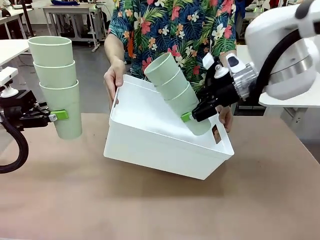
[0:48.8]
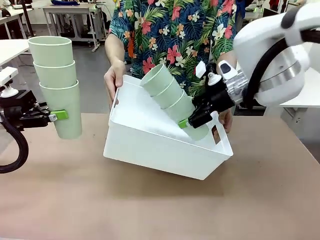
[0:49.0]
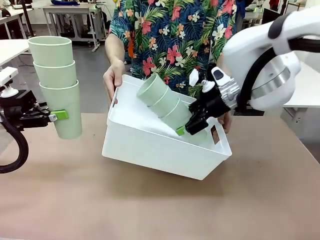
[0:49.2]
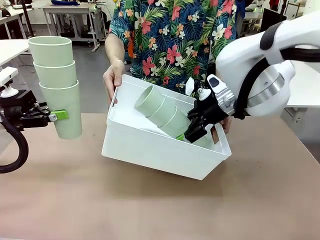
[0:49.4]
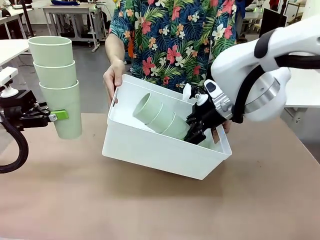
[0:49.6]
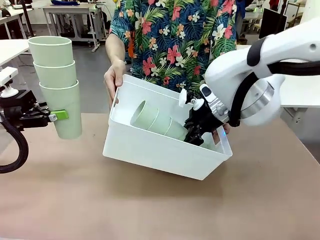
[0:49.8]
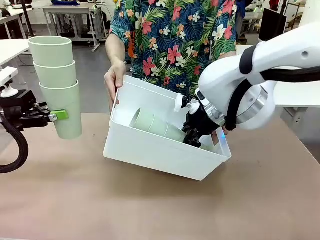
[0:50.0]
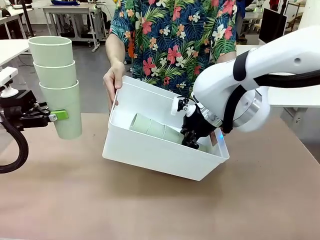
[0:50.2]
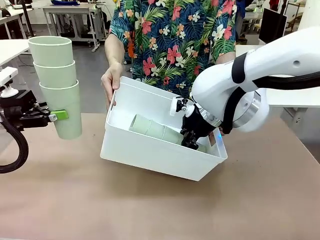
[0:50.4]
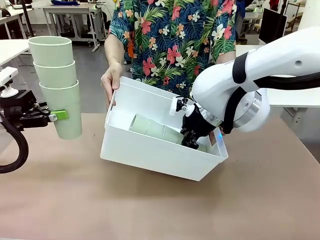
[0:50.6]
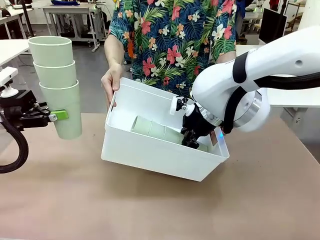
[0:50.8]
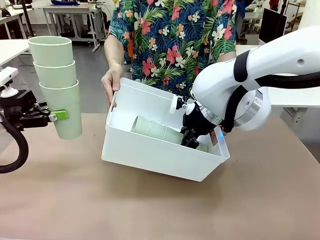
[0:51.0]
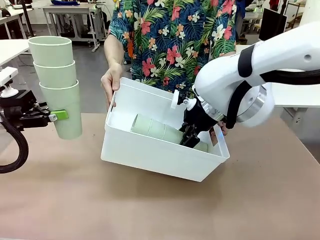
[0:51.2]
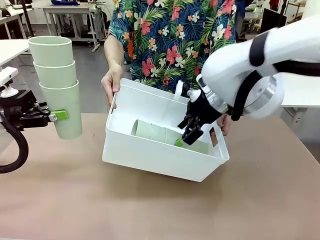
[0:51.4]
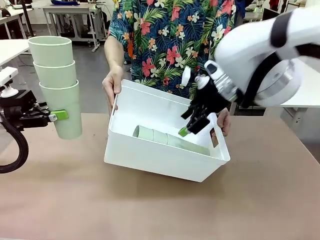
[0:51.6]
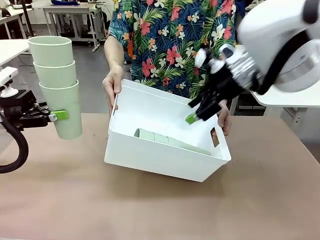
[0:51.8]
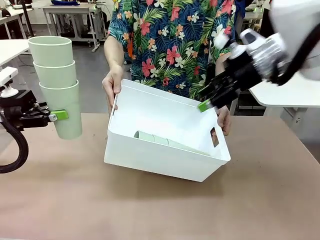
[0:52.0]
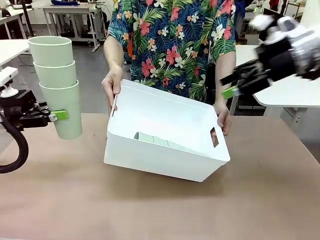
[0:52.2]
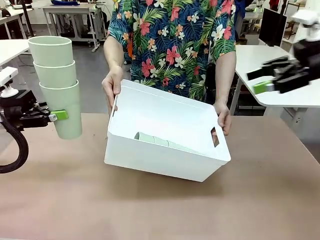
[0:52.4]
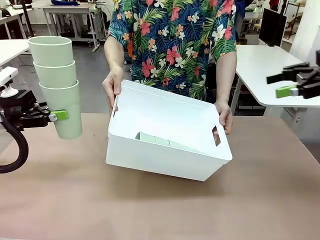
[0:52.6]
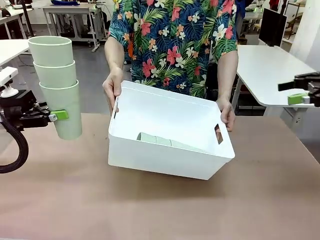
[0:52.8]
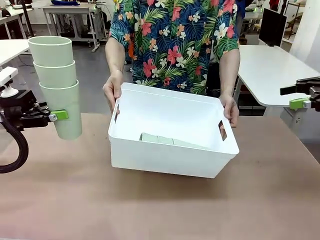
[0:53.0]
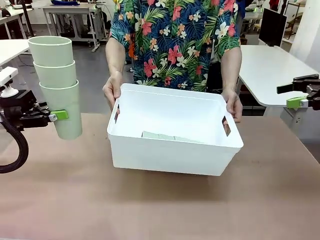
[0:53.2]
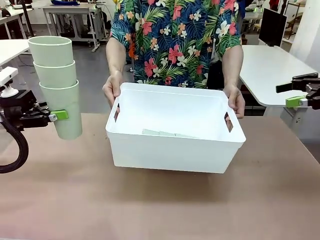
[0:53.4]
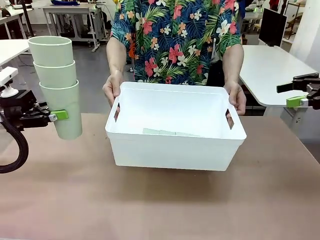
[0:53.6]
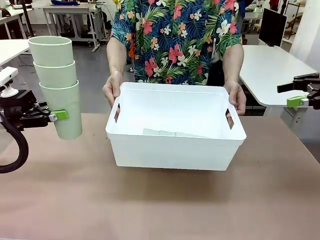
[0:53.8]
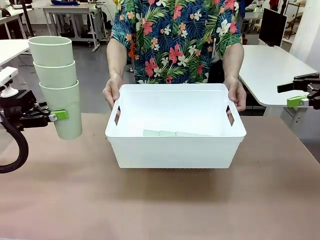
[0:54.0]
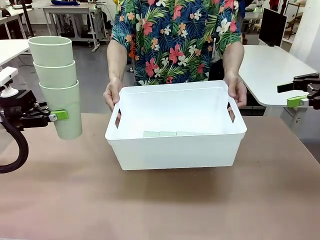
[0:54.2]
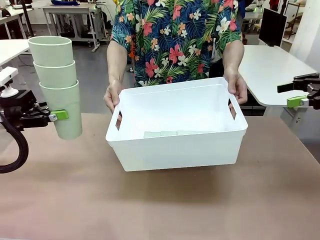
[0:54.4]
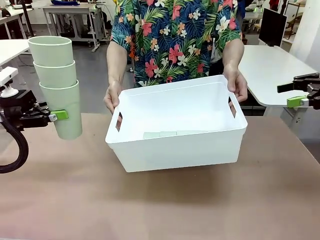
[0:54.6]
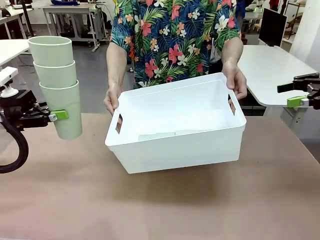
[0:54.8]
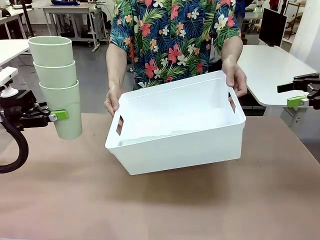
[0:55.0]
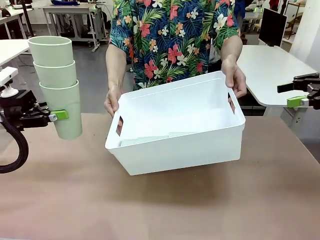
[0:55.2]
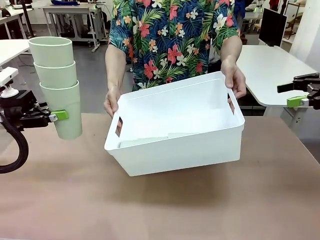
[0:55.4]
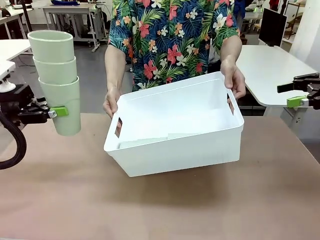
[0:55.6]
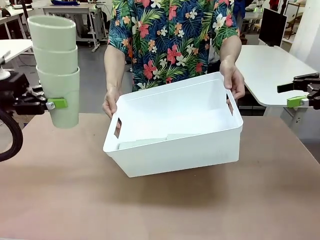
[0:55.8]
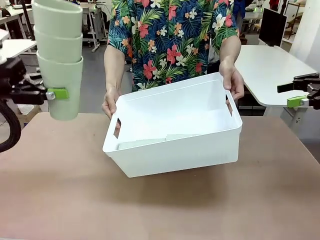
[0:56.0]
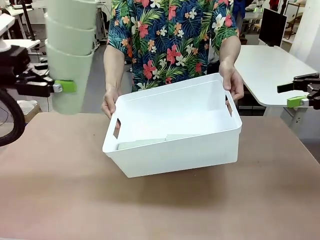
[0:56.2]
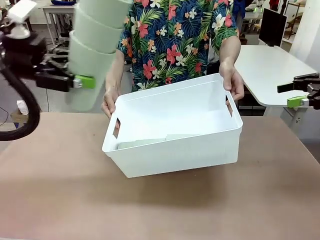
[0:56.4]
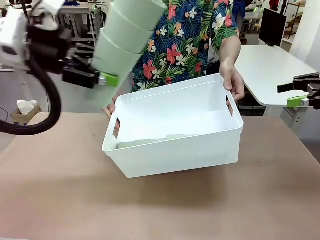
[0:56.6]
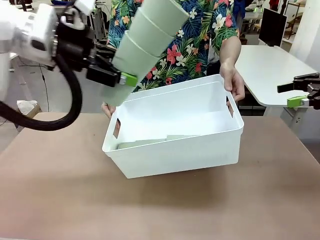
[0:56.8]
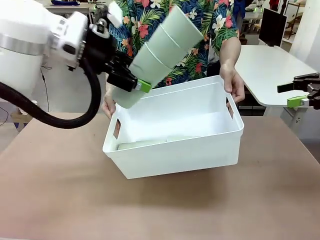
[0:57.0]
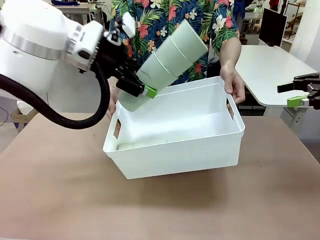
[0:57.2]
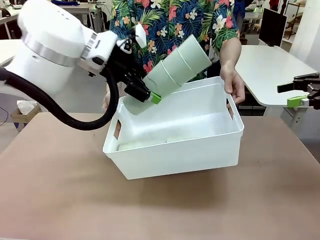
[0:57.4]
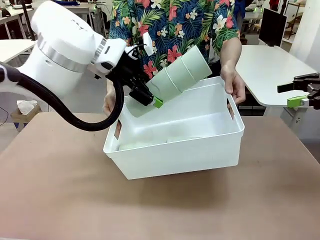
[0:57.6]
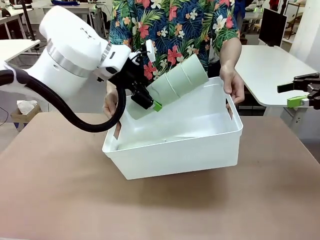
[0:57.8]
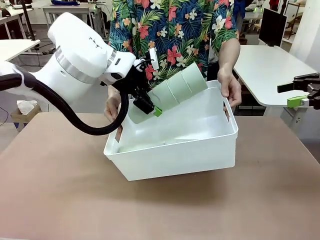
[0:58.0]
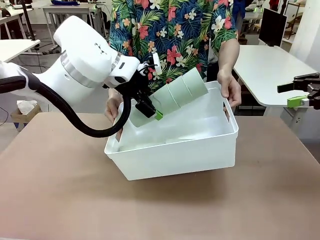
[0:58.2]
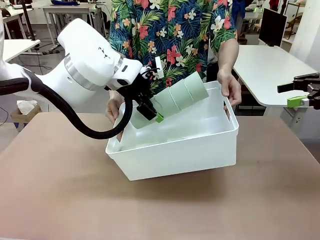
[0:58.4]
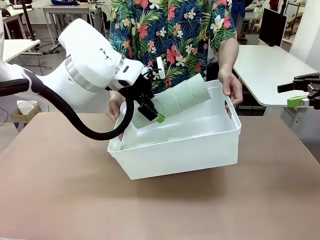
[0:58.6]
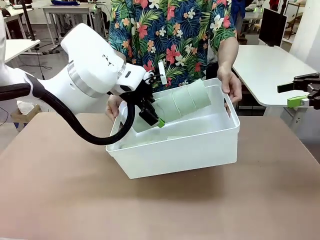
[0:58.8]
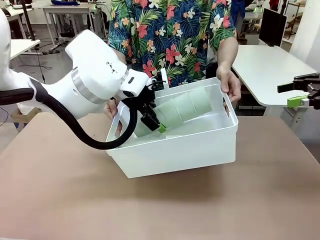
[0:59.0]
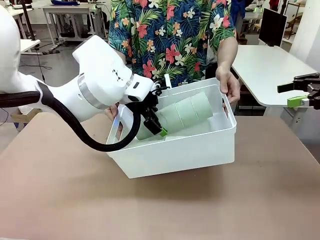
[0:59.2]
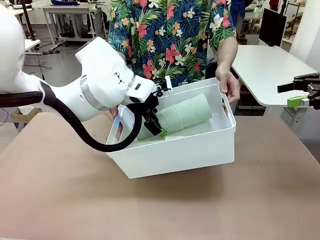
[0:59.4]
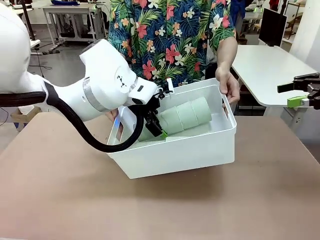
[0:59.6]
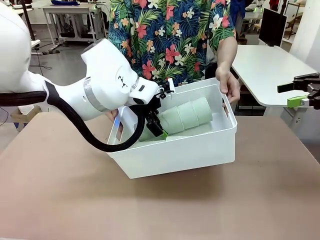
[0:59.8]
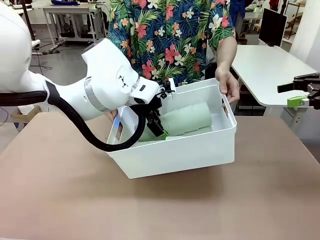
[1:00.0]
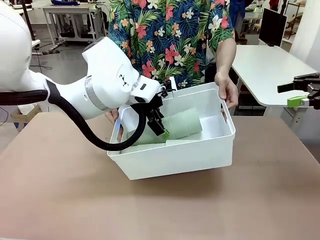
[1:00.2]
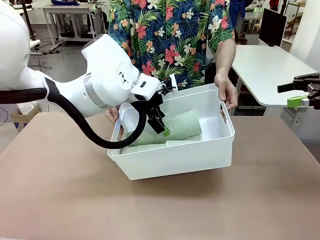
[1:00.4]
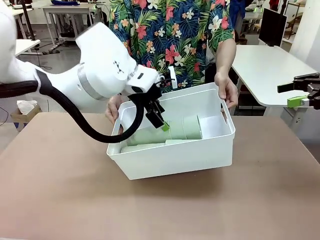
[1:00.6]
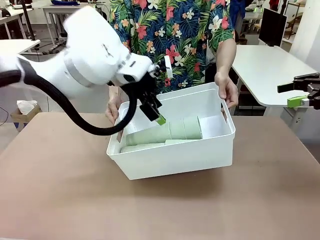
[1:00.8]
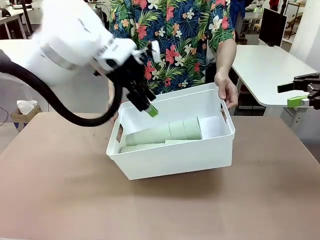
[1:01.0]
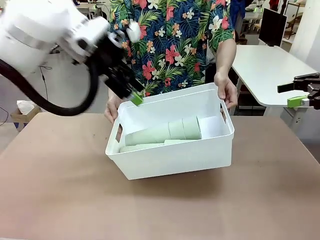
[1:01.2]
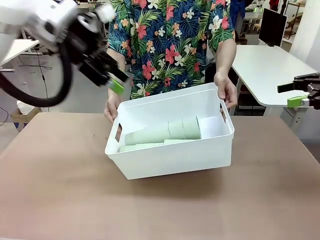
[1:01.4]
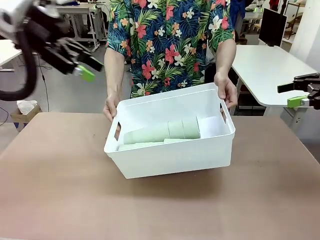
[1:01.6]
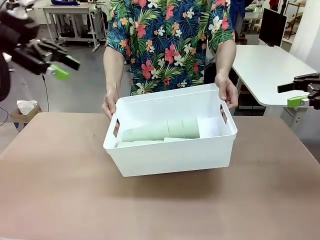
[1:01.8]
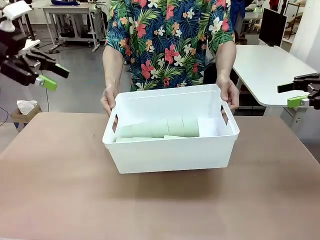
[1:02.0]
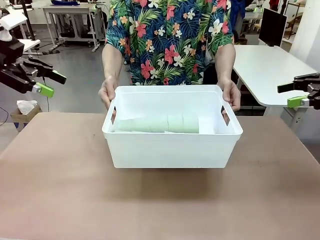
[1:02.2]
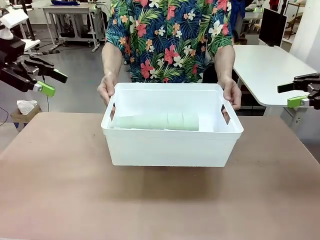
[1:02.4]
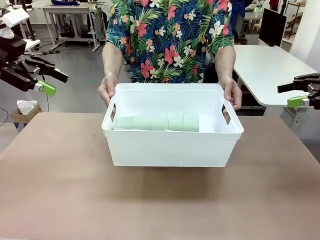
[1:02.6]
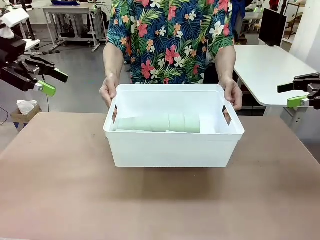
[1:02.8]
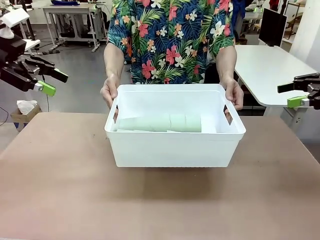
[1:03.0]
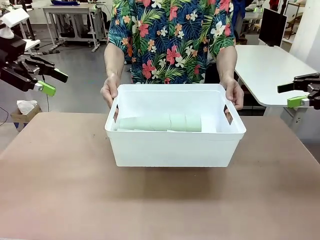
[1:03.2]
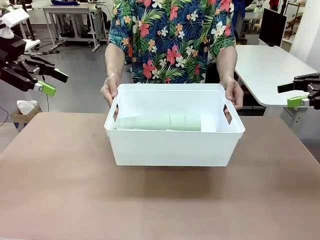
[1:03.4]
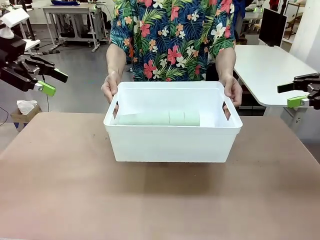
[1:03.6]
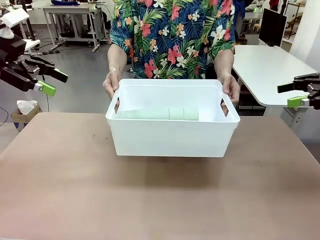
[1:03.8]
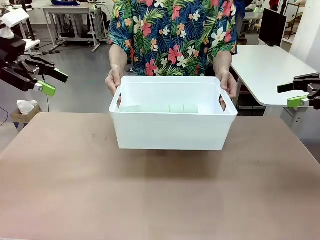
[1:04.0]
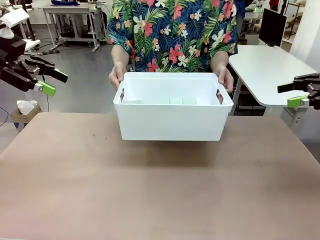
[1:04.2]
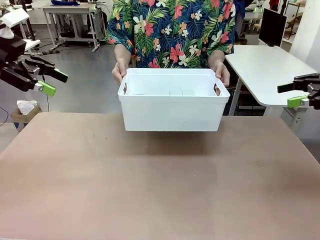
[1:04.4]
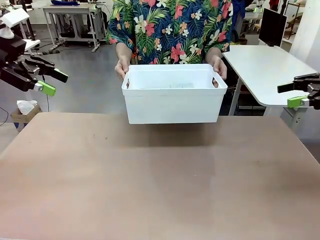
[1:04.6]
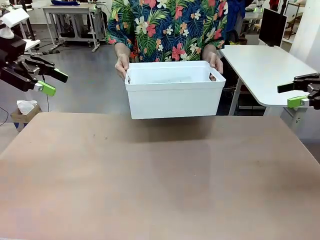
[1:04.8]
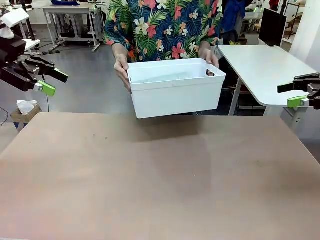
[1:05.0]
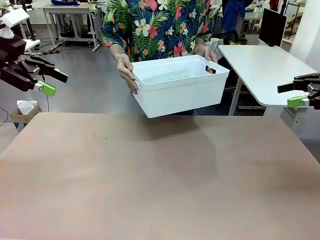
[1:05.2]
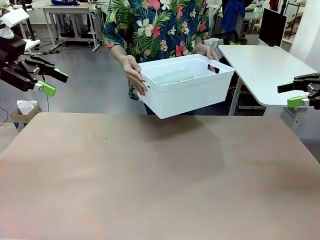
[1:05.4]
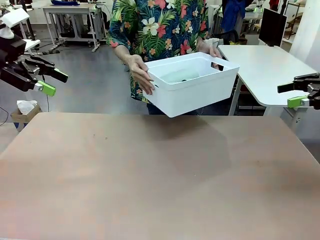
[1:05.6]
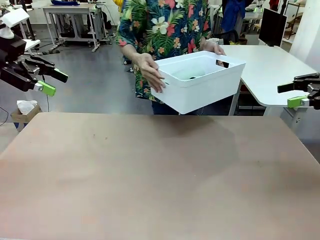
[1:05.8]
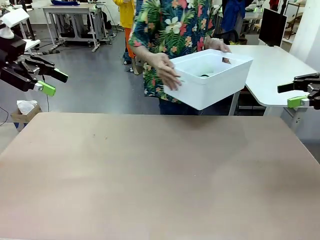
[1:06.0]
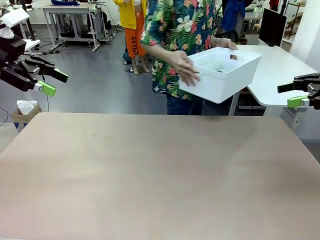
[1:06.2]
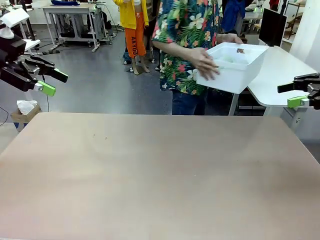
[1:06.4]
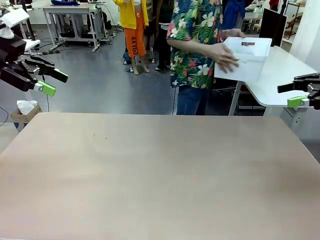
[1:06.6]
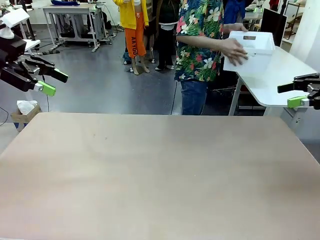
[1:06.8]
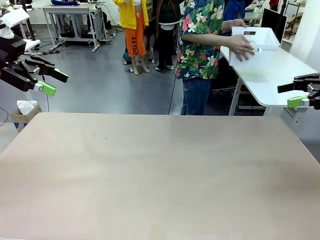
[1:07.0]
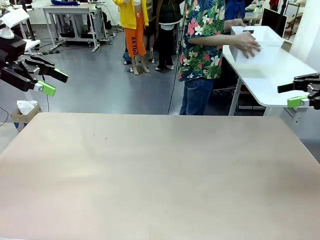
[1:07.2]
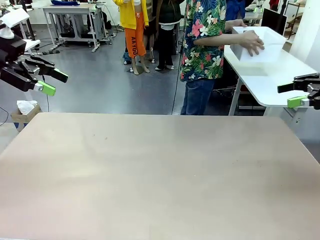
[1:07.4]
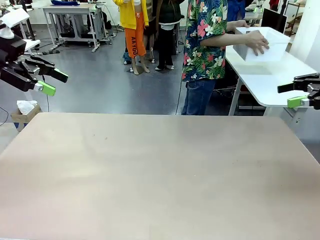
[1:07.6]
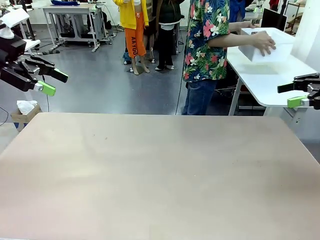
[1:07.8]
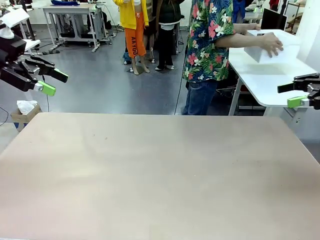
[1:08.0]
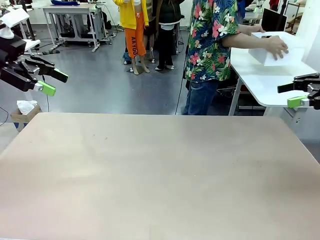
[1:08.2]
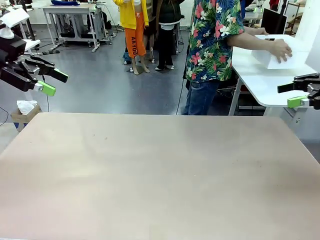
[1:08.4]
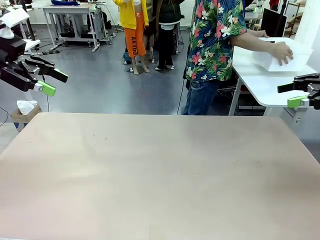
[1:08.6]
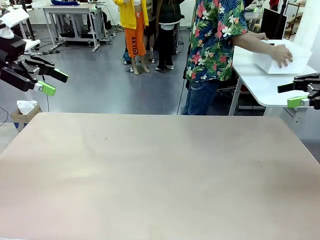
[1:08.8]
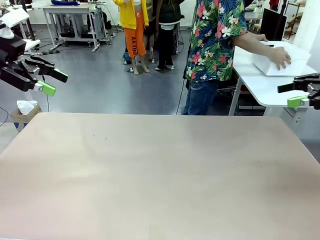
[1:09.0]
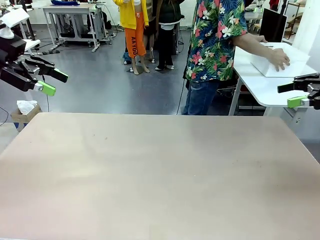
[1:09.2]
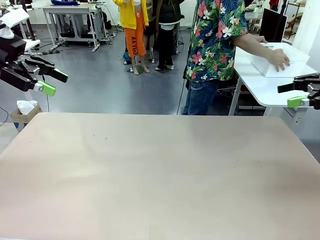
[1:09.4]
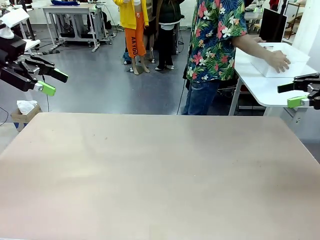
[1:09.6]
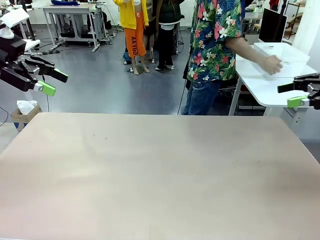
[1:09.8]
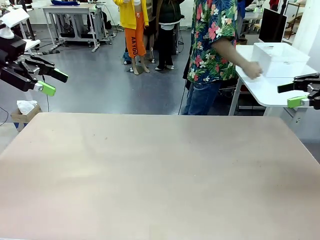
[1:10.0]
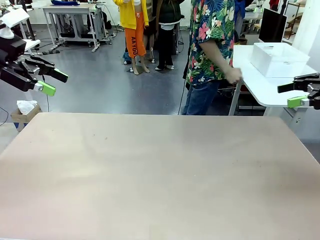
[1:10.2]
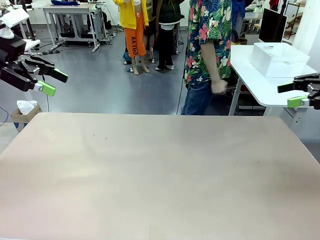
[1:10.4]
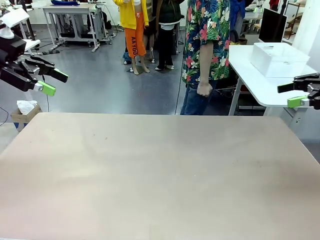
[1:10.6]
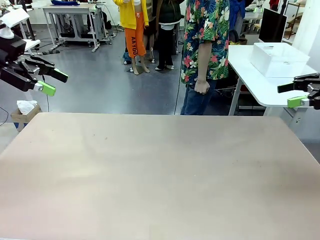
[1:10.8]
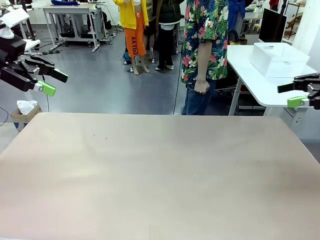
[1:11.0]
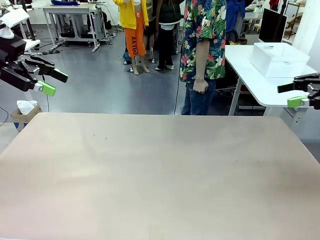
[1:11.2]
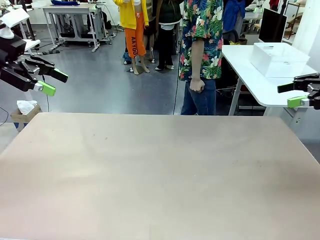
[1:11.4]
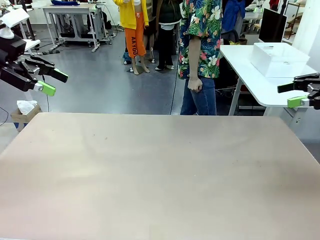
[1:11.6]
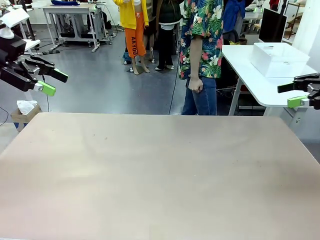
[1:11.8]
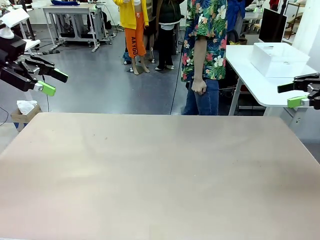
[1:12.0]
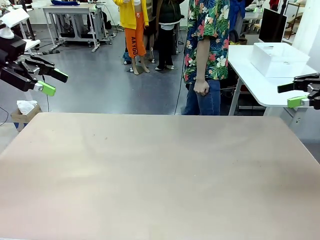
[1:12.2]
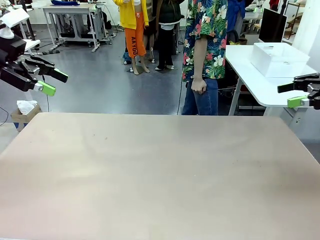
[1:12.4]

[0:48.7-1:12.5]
Task: Stack the cups and store them in the basket.
Robot: Place the stack of Reusable plastic cups into the Pantry Basket.
Person: Place the basket containing the cups in the middle of the Human Table.
